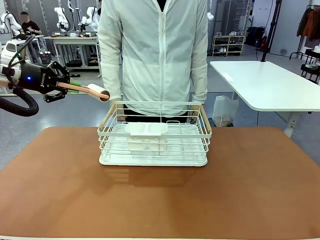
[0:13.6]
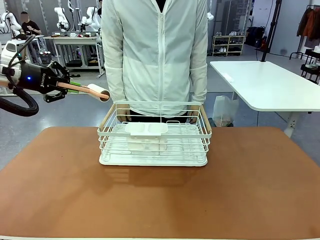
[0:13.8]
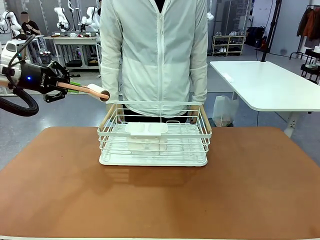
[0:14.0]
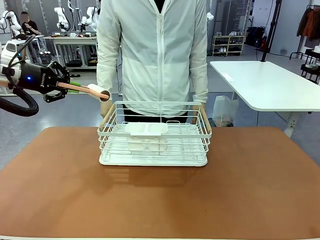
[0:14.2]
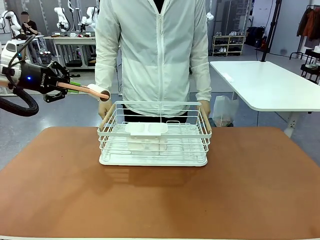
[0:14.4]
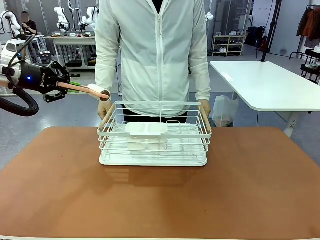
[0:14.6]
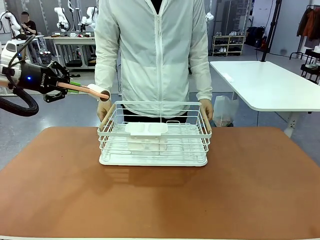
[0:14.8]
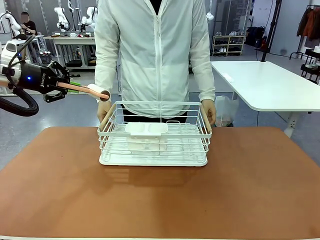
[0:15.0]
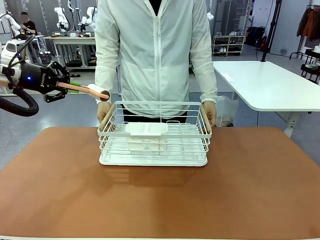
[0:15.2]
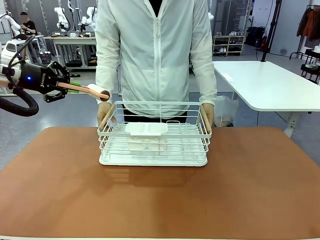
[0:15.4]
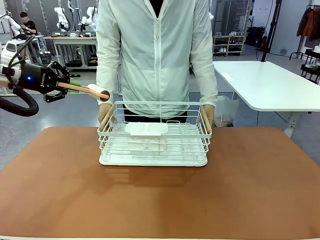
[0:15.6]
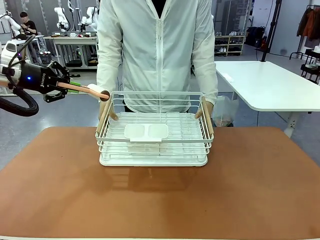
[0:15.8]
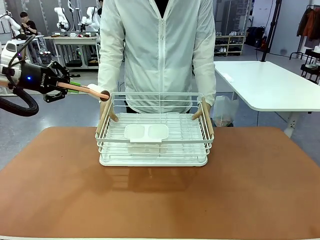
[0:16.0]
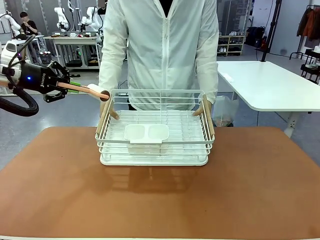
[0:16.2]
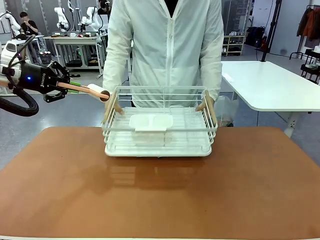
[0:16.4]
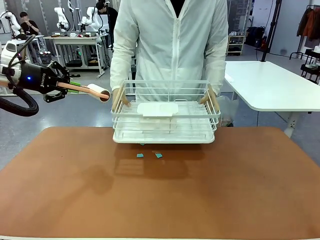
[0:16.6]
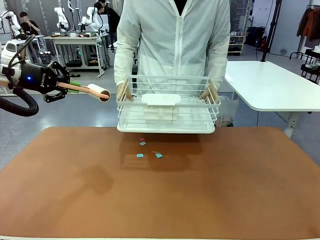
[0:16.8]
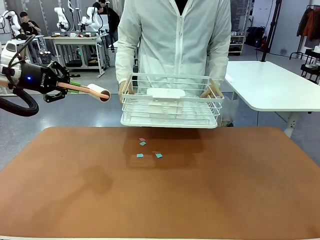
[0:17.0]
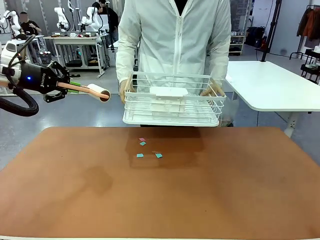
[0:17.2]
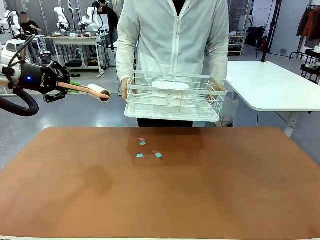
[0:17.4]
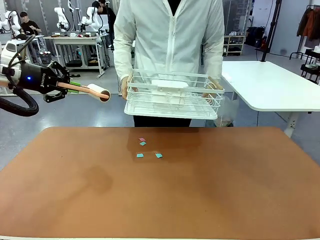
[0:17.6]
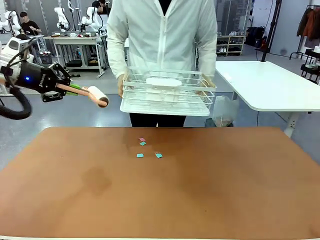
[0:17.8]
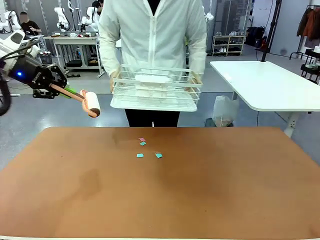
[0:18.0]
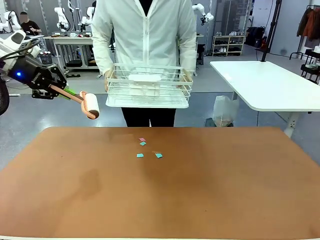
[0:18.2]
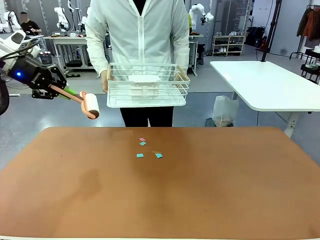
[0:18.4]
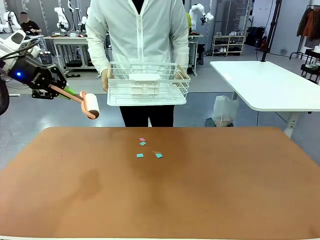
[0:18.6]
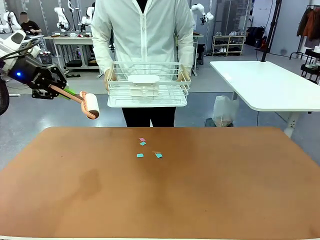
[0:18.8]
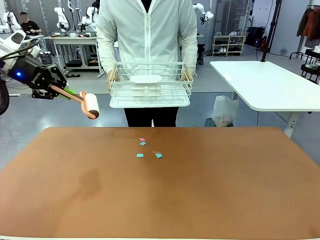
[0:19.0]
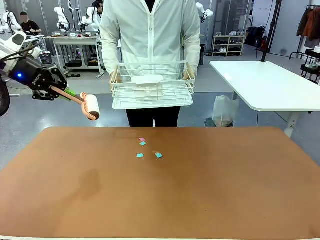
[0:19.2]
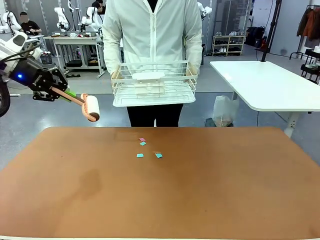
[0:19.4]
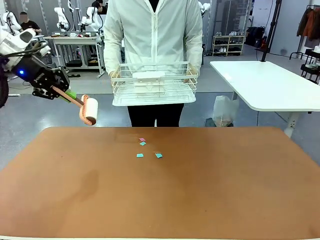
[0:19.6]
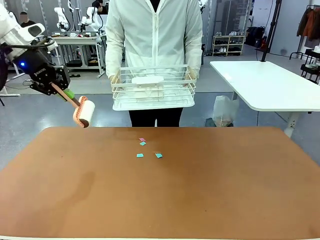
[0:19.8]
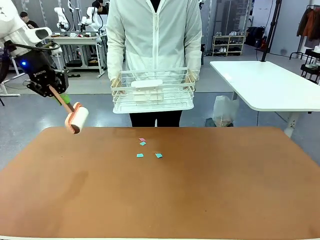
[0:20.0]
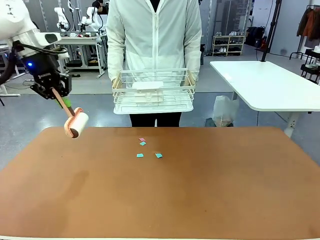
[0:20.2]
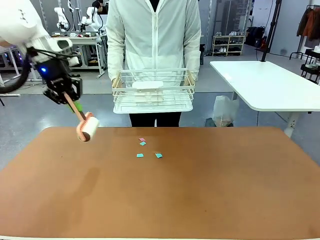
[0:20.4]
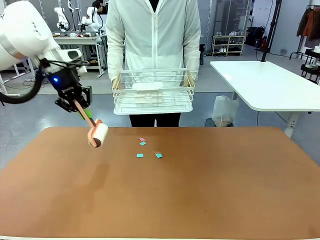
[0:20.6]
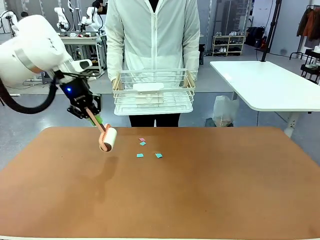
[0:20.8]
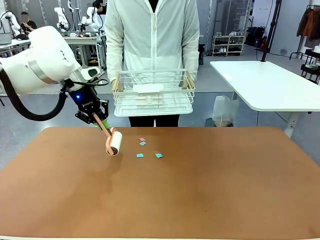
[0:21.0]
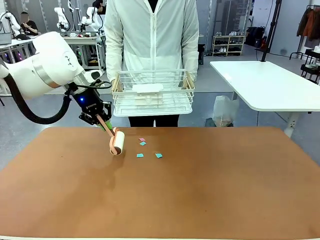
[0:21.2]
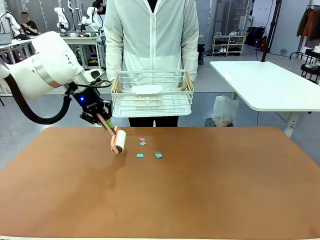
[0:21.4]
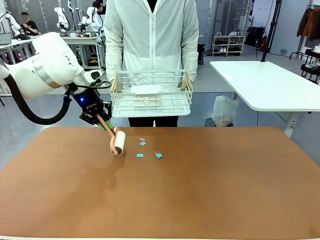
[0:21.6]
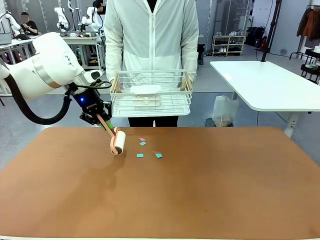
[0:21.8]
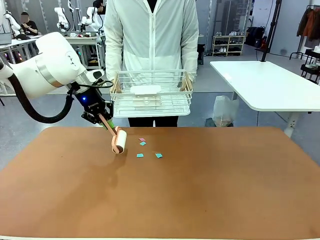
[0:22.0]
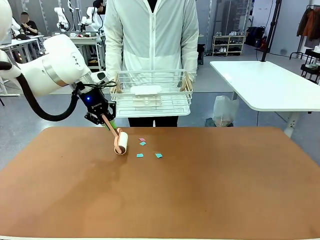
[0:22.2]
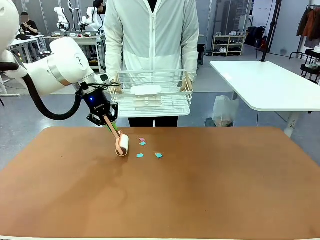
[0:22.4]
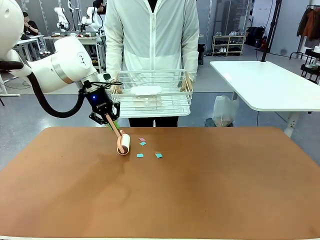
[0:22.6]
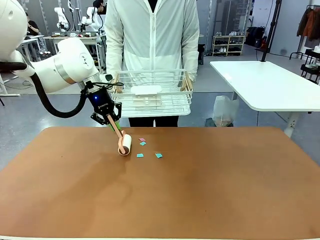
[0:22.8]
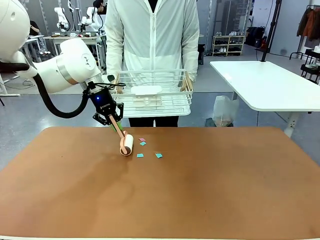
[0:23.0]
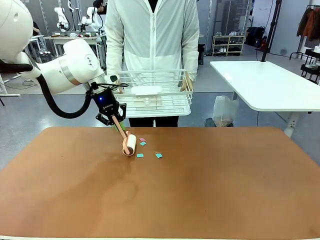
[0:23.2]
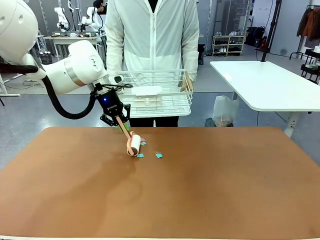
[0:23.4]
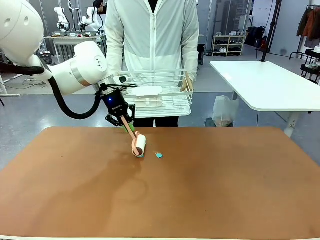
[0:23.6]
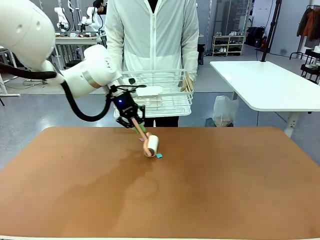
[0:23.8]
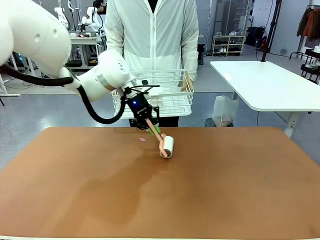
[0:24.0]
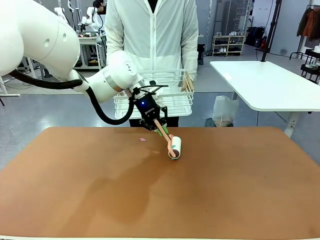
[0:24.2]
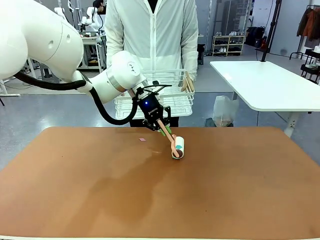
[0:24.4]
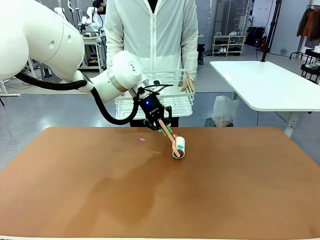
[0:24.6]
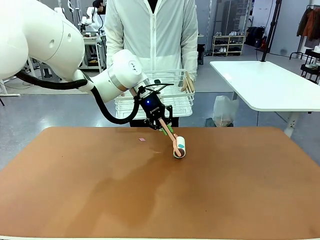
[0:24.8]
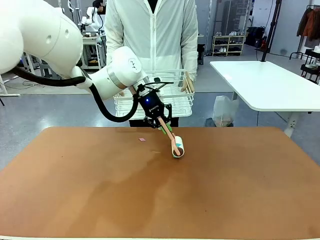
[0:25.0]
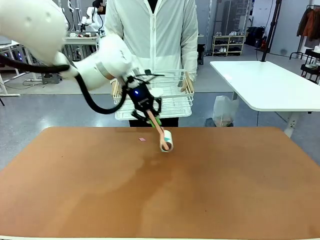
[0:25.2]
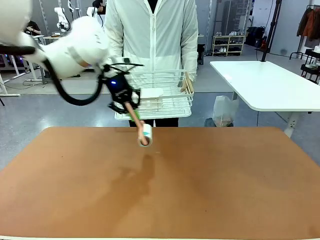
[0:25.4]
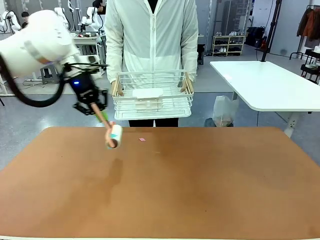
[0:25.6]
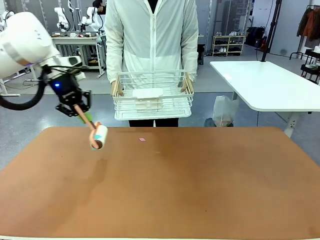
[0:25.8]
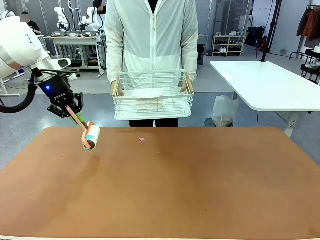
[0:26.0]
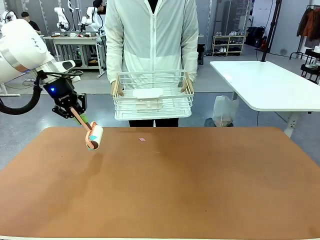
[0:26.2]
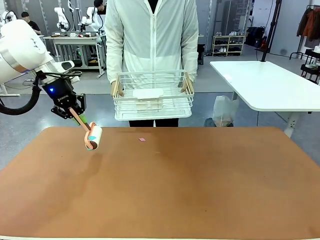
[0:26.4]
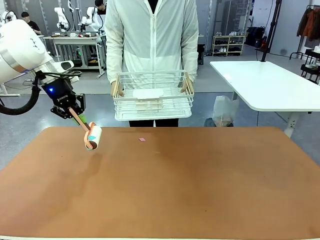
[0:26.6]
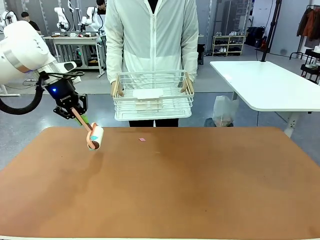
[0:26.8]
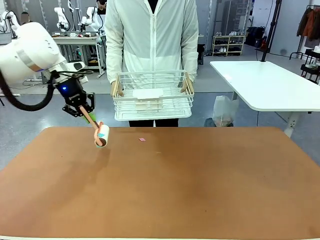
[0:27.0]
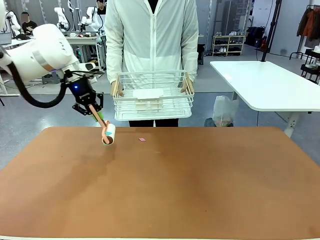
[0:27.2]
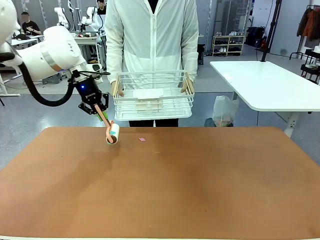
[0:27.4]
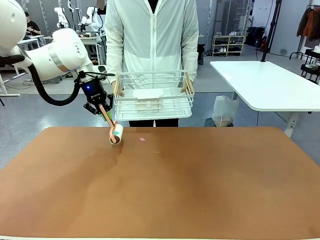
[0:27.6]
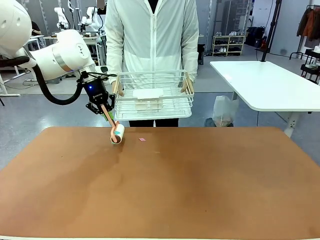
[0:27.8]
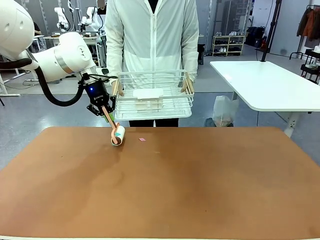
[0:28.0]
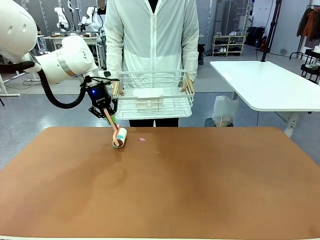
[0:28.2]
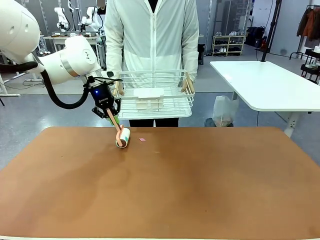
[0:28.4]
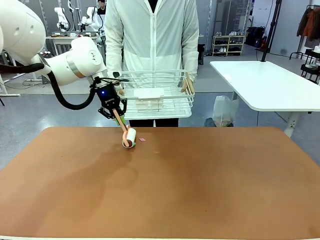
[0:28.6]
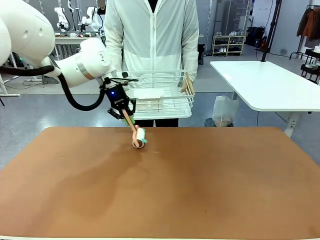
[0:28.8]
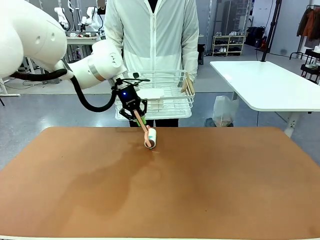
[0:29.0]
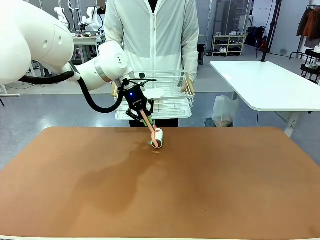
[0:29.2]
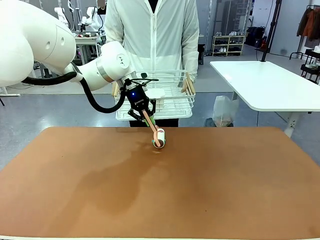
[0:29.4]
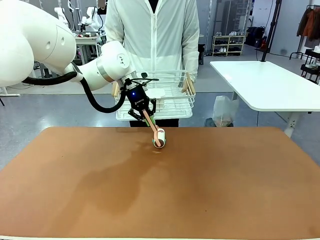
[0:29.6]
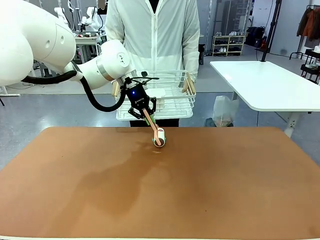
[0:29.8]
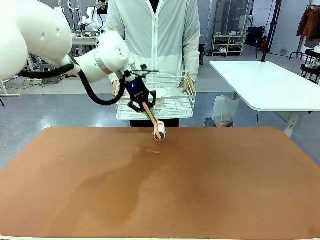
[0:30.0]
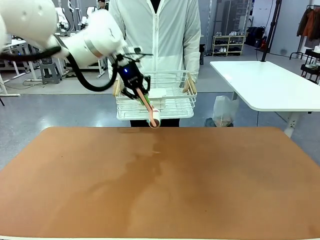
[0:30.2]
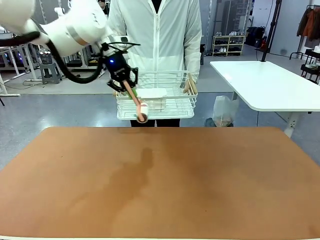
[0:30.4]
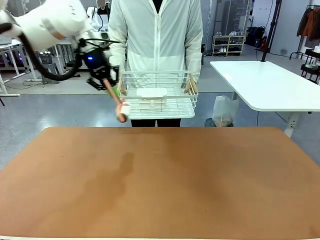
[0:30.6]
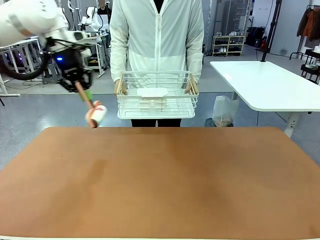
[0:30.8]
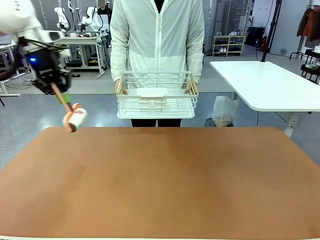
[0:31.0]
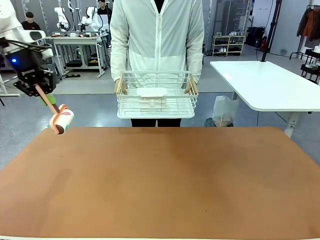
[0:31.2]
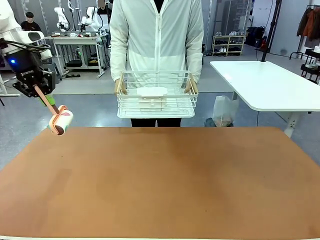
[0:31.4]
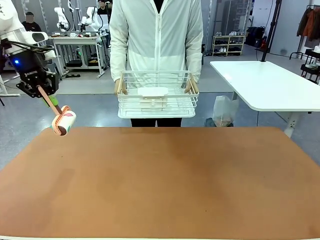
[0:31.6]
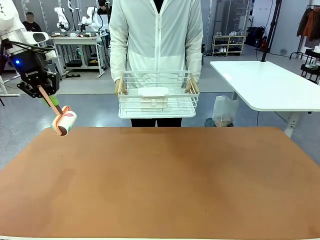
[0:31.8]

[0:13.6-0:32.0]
Task: Clean the table.
Robot: Clean the table with the Lint Roller when the human lifts the Dish drying rack.
Person: Place the Dish drying rack down when the robot finishes cleaning.
